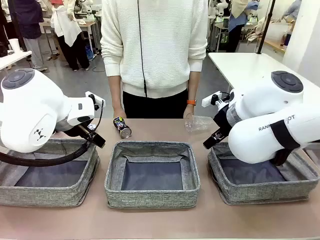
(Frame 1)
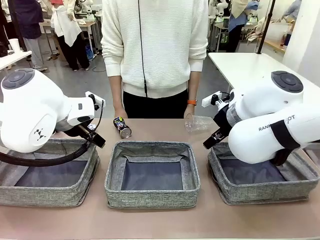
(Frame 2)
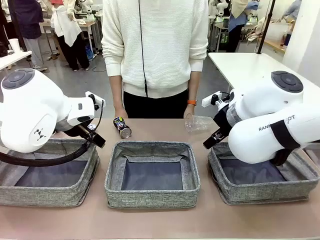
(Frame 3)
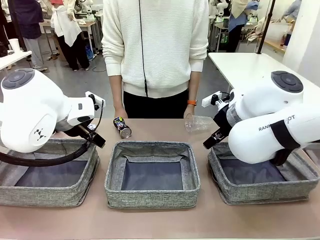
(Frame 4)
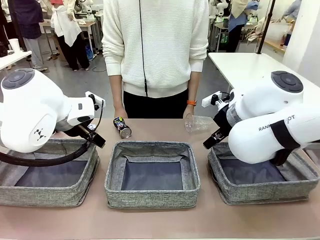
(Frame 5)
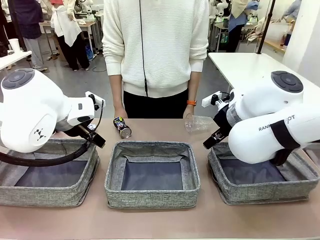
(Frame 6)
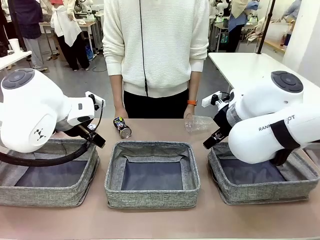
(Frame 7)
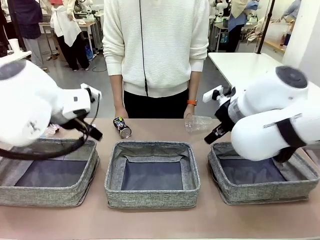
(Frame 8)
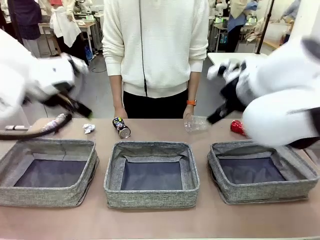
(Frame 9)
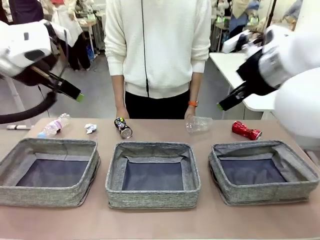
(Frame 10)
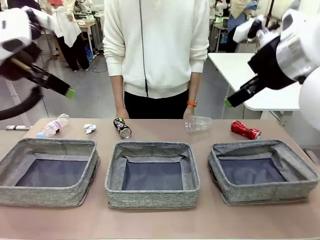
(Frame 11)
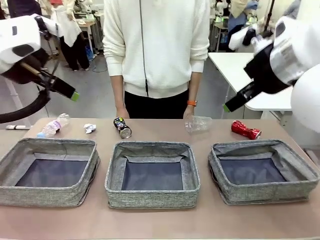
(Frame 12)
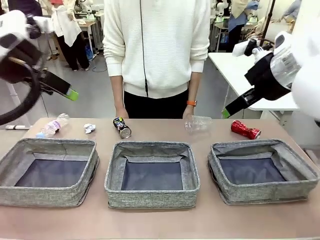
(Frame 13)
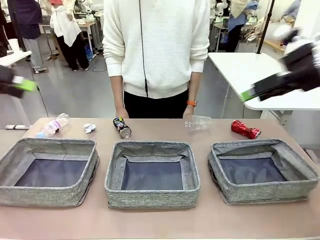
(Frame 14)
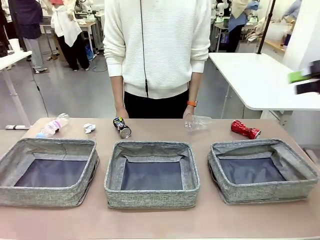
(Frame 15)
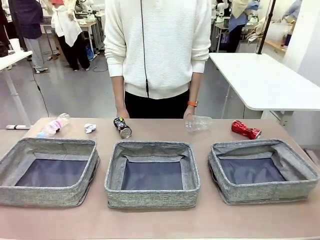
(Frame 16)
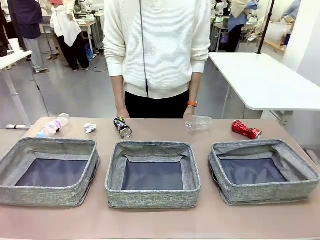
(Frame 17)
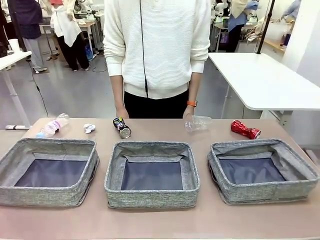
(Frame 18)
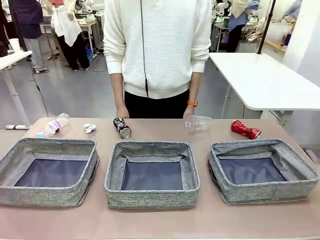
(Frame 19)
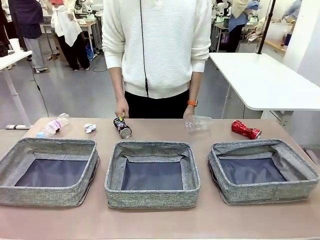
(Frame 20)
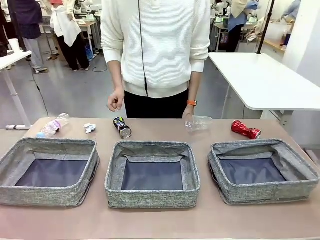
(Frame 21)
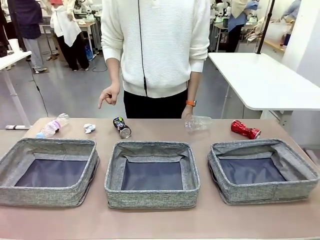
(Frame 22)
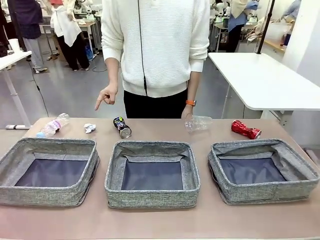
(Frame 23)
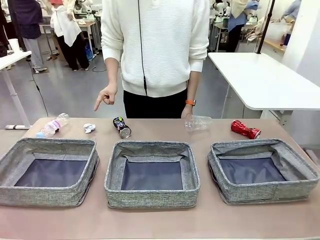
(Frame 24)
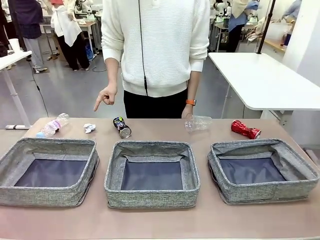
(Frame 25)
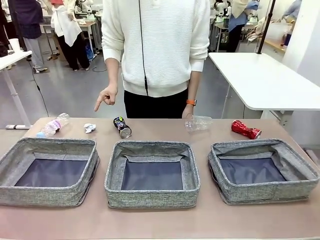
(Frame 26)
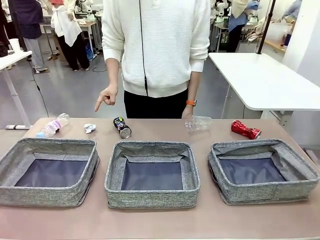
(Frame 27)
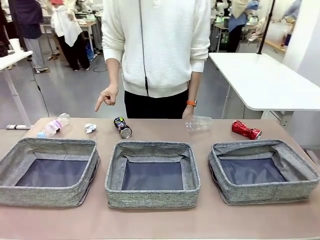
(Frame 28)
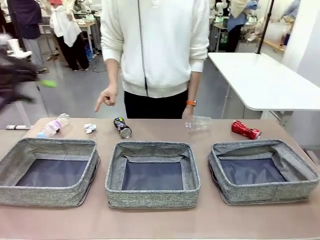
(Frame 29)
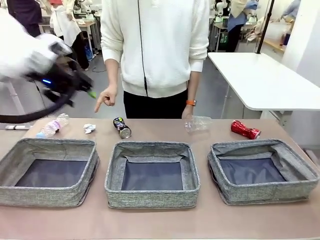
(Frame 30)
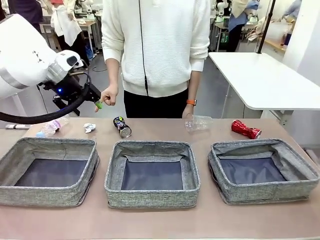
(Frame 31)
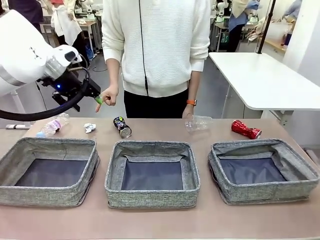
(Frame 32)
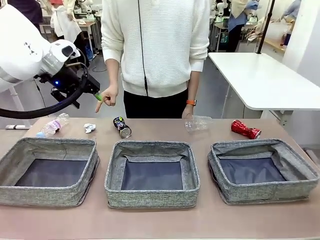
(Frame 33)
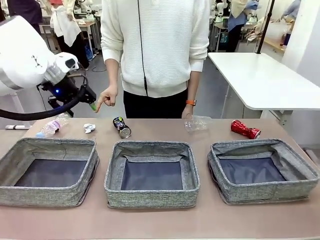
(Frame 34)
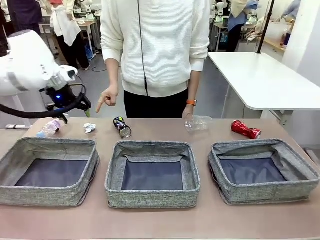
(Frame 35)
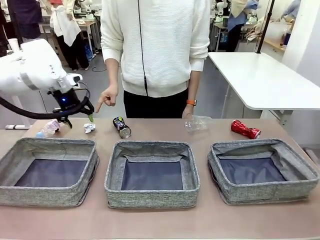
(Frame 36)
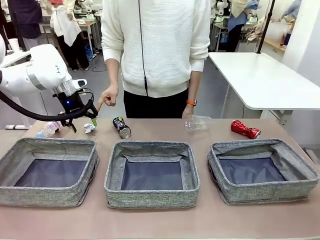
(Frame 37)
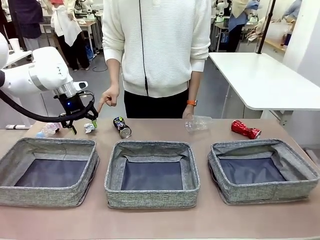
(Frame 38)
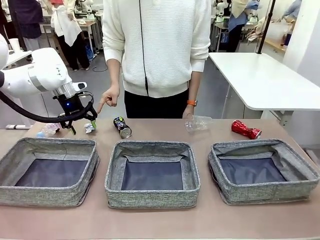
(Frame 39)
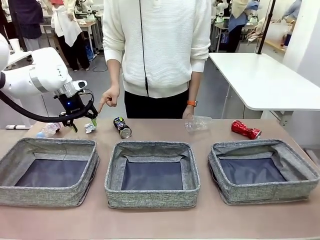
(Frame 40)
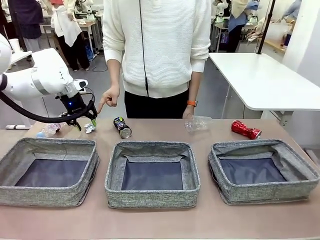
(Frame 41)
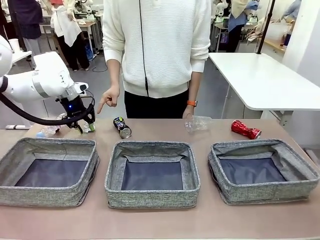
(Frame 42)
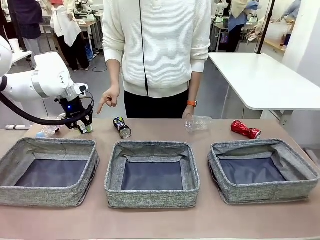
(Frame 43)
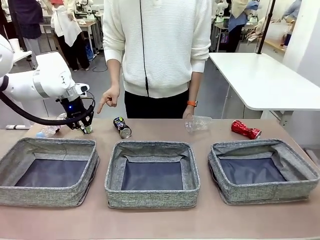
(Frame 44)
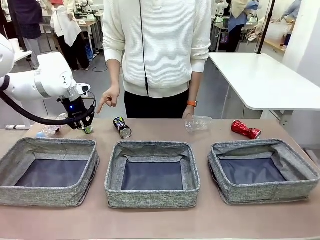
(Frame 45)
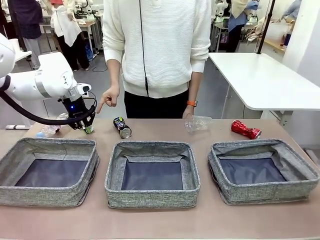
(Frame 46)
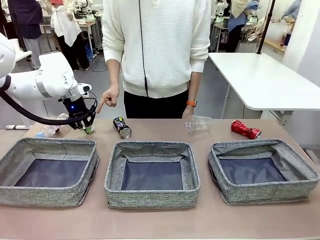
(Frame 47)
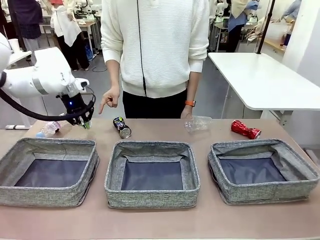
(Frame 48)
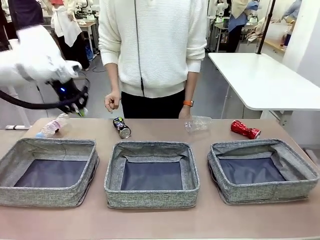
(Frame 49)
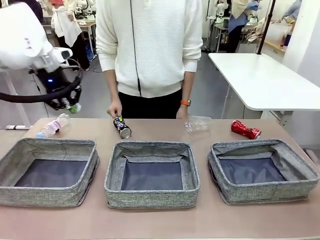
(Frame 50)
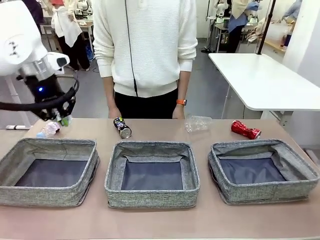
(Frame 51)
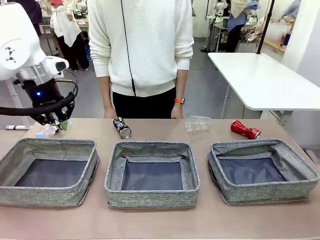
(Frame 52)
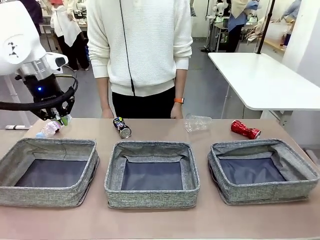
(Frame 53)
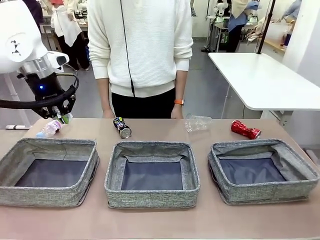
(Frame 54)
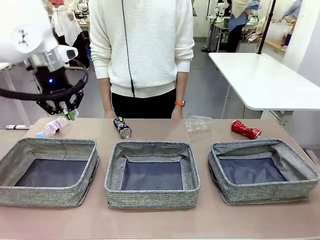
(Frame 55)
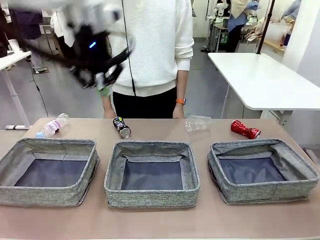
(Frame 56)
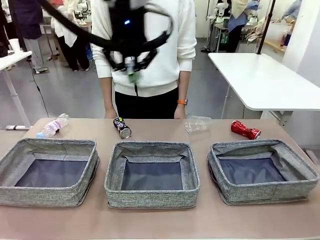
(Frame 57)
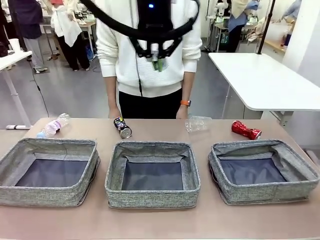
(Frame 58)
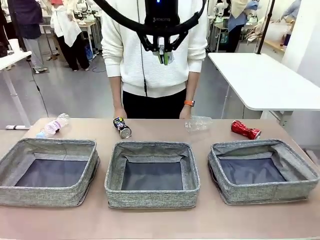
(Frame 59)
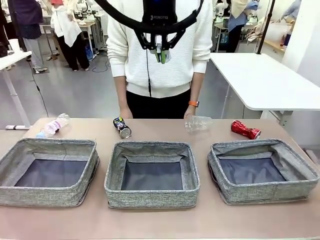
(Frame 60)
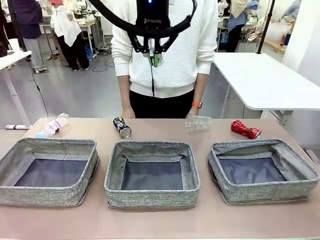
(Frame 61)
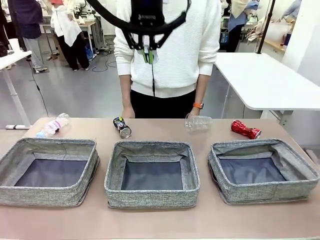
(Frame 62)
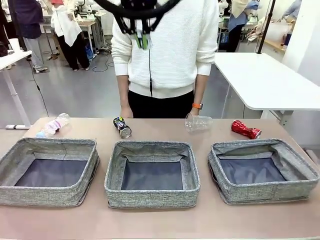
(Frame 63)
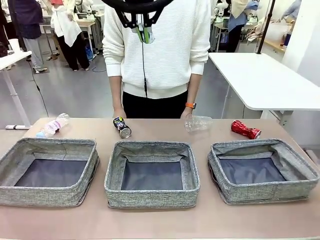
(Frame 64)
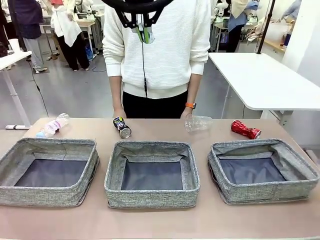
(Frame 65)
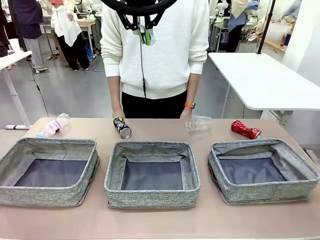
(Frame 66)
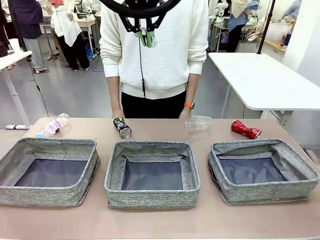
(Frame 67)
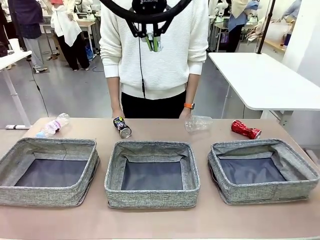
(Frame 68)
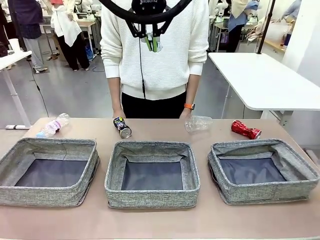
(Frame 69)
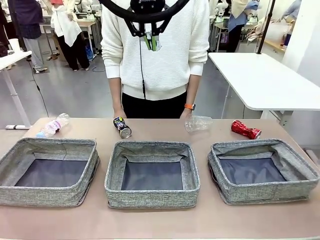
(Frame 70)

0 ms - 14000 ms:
Task: Sort the waste into the appropriate baskets.
Robot: Pick up the waste item pointed out by the person.
Person: Points to one piece of trash on the table.

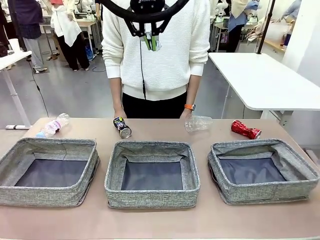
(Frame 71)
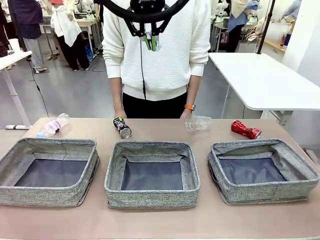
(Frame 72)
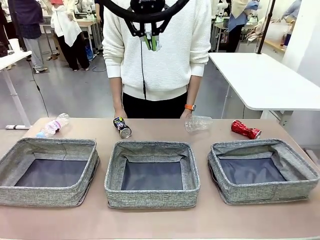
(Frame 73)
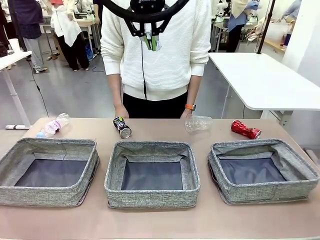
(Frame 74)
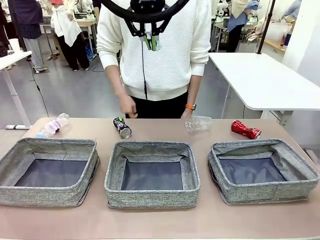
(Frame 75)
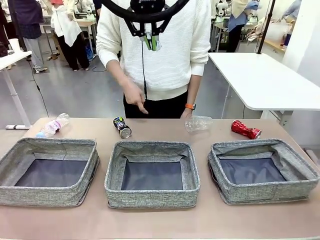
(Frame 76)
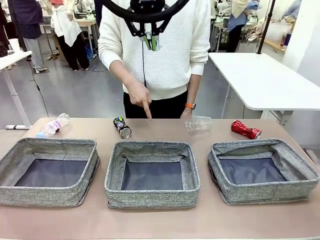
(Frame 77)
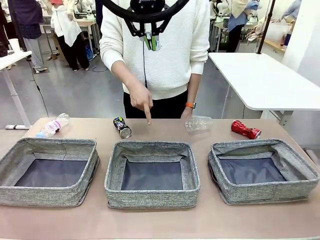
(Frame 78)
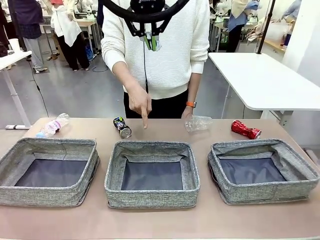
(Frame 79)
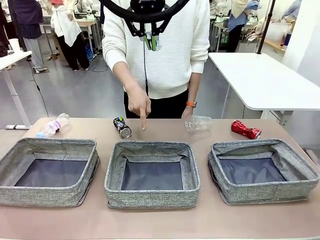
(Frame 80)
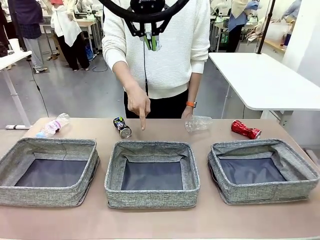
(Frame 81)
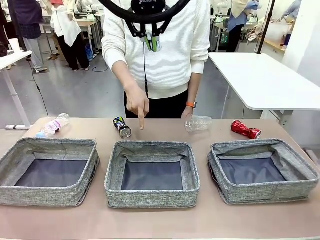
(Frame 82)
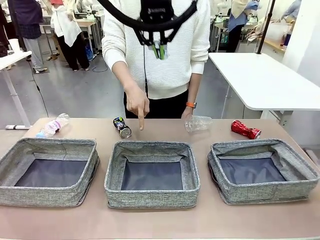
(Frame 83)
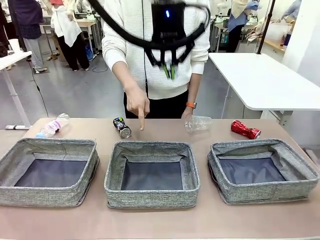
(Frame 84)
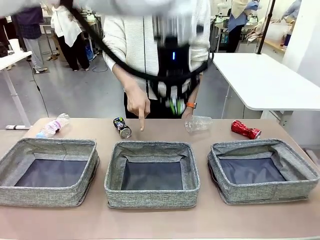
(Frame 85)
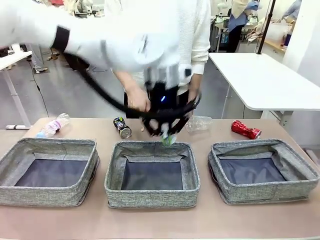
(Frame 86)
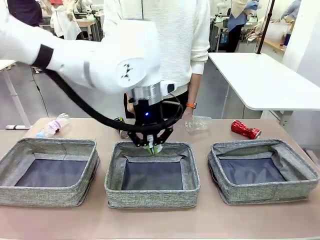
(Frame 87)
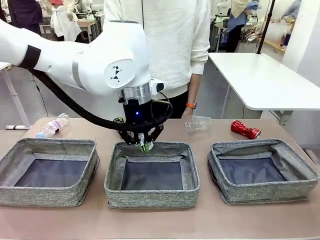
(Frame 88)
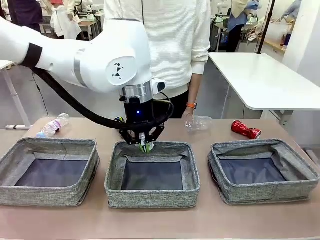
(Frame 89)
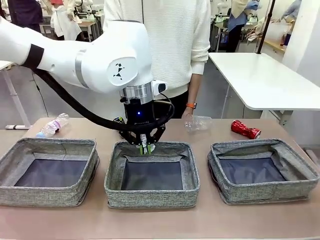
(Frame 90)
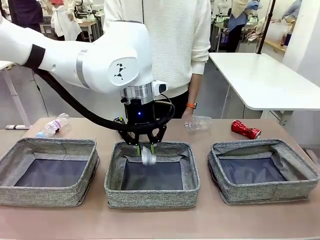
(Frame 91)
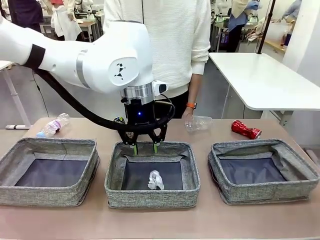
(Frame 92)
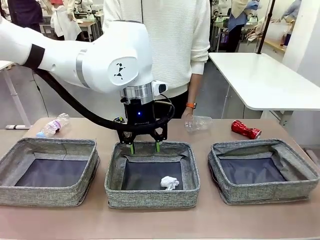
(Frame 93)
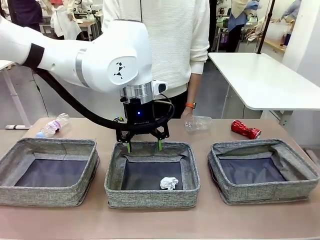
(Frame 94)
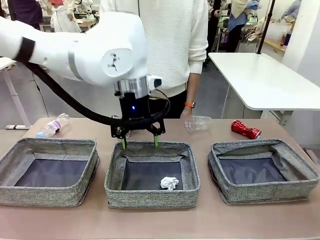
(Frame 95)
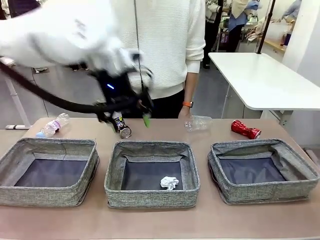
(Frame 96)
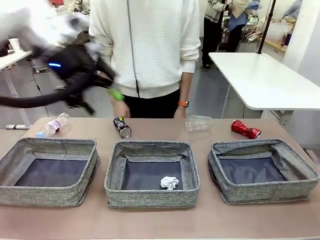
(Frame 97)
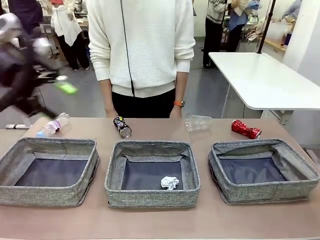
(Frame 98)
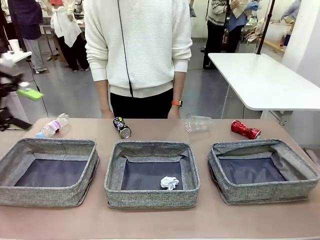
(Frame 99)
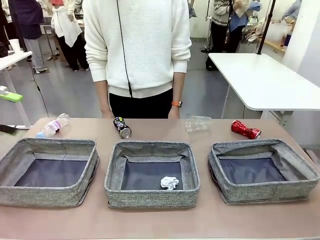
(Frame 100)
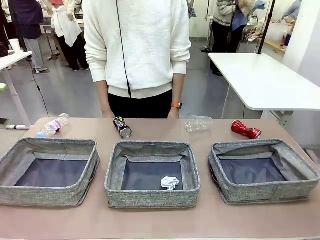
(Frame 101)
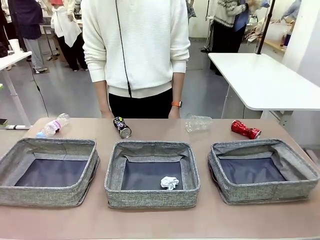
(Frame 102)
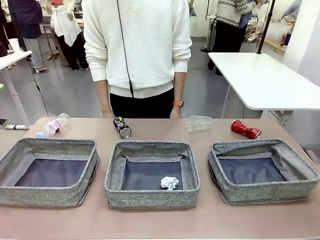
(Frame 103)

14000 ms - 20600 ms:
Robot: Place the picked waste into the Fabric basket indicated by the person.
Person: Instructs the robot to place the picked-up trash into the appropriate organizing basket.
